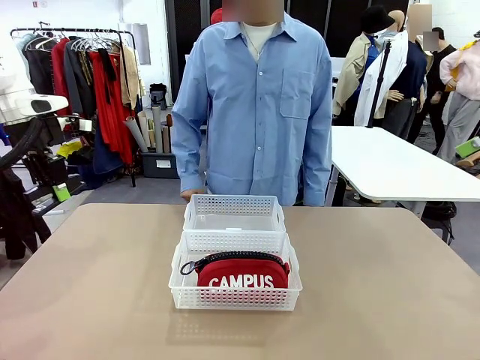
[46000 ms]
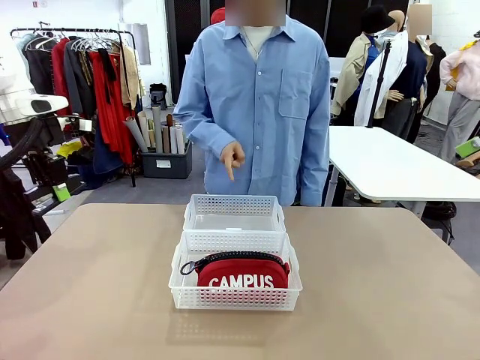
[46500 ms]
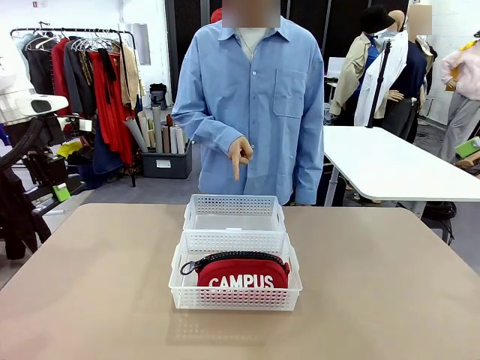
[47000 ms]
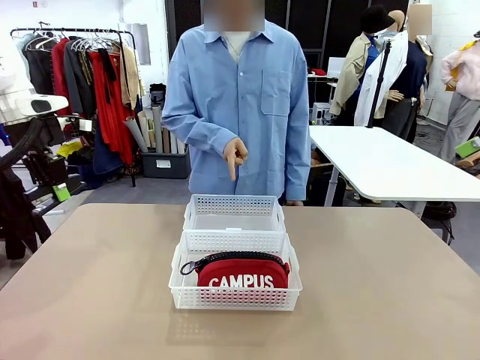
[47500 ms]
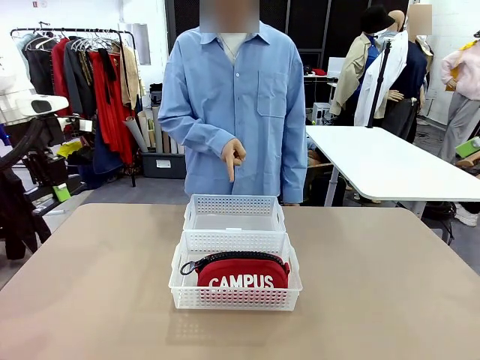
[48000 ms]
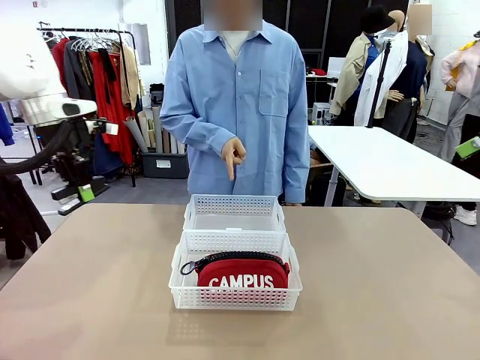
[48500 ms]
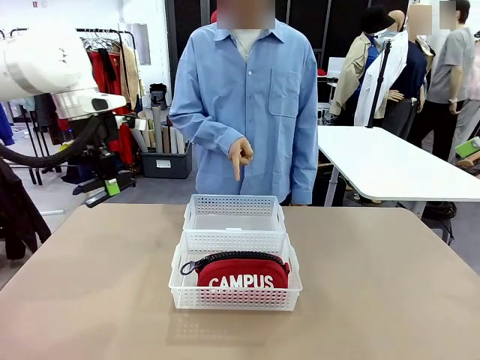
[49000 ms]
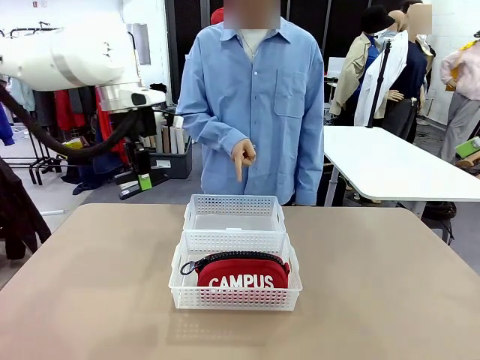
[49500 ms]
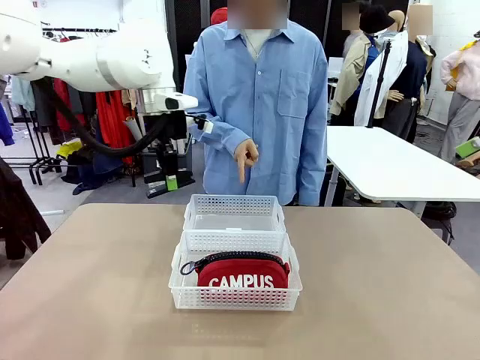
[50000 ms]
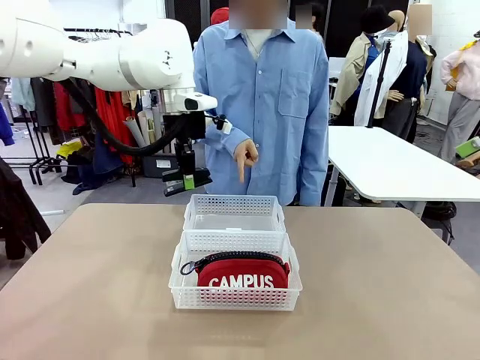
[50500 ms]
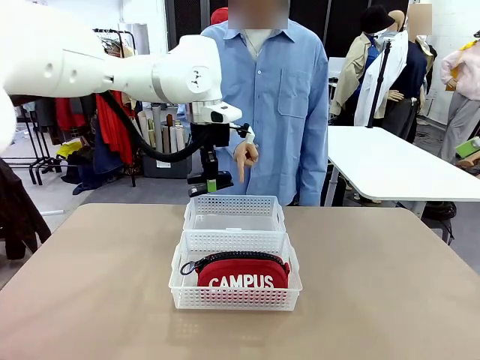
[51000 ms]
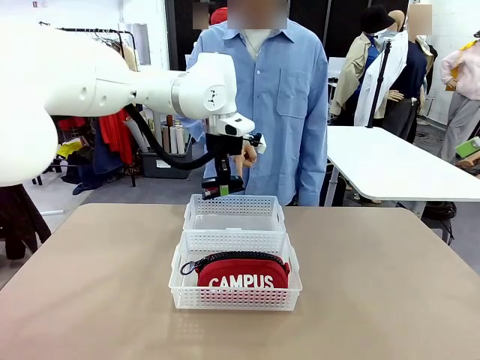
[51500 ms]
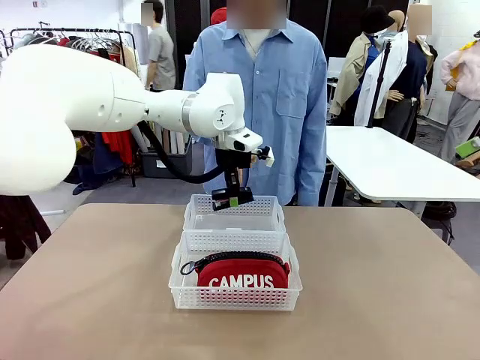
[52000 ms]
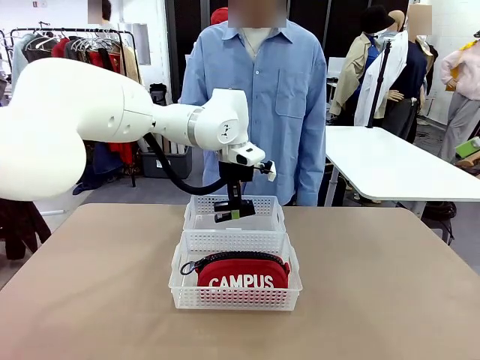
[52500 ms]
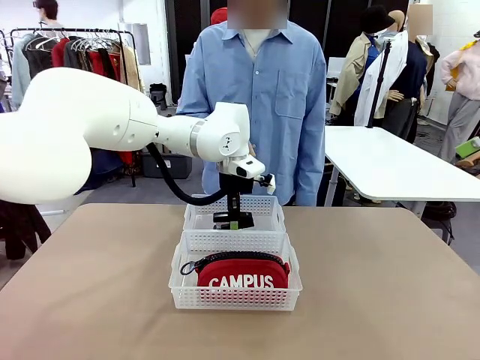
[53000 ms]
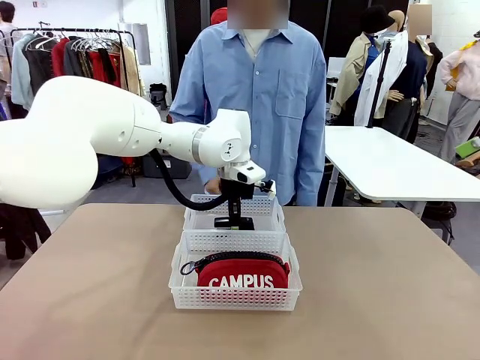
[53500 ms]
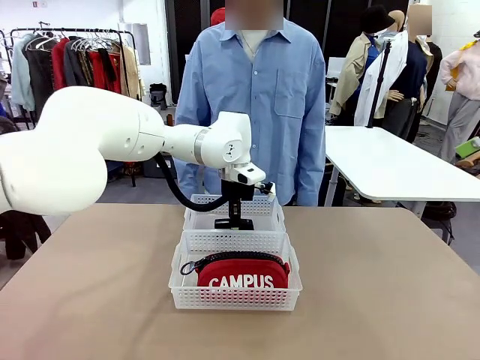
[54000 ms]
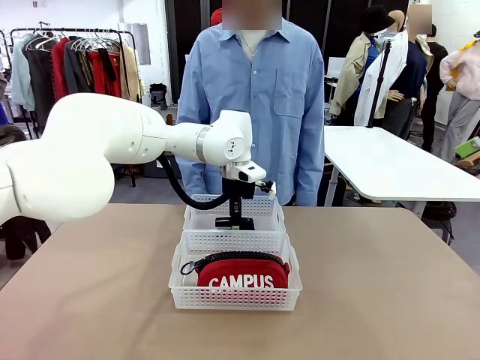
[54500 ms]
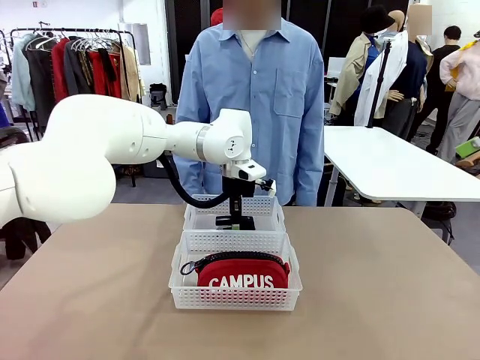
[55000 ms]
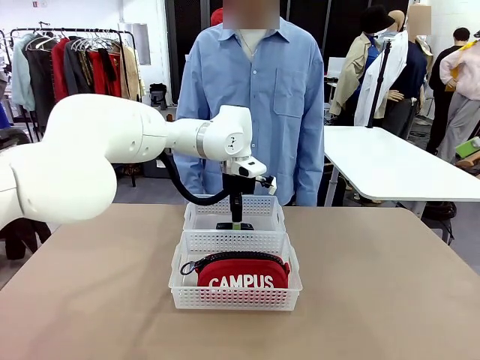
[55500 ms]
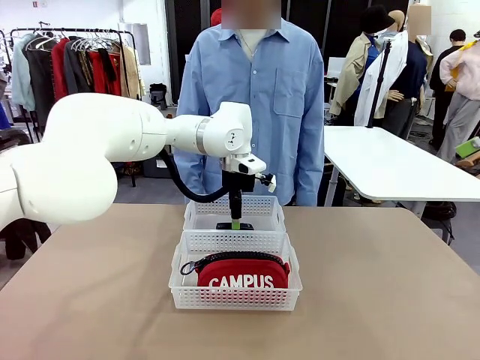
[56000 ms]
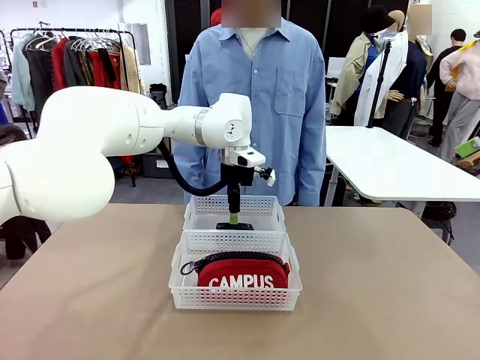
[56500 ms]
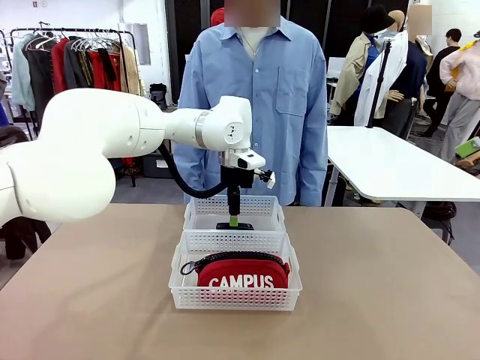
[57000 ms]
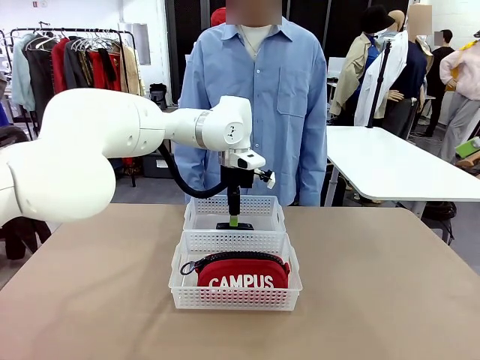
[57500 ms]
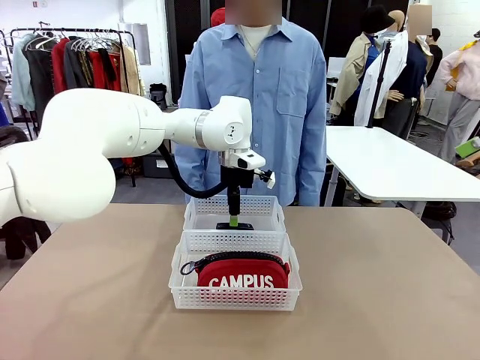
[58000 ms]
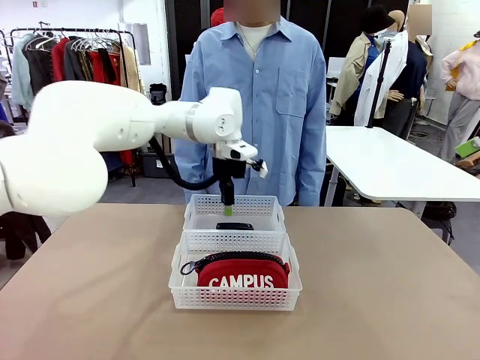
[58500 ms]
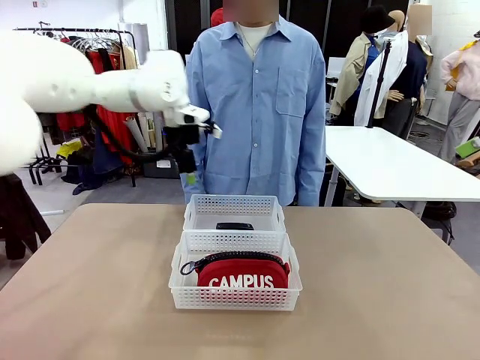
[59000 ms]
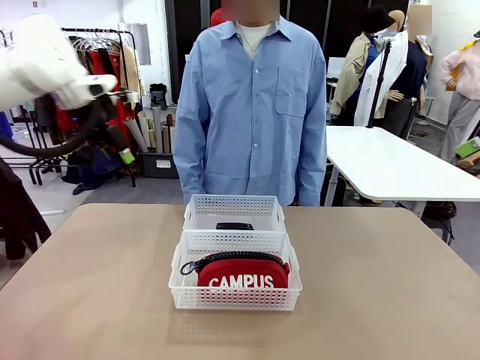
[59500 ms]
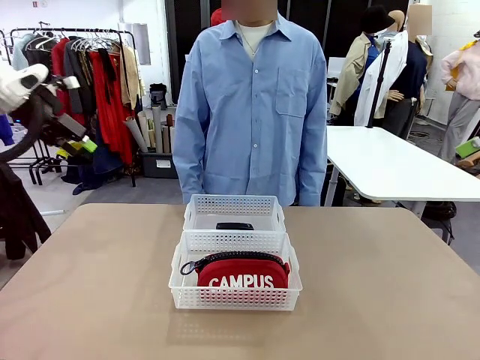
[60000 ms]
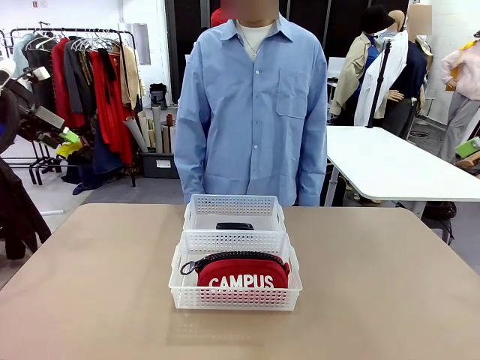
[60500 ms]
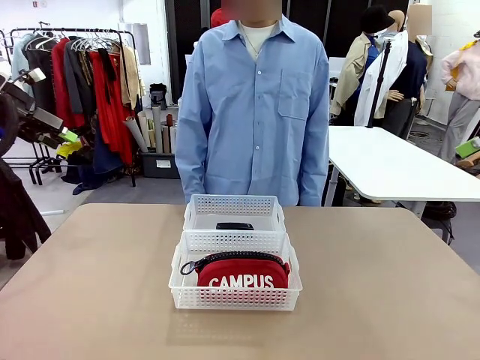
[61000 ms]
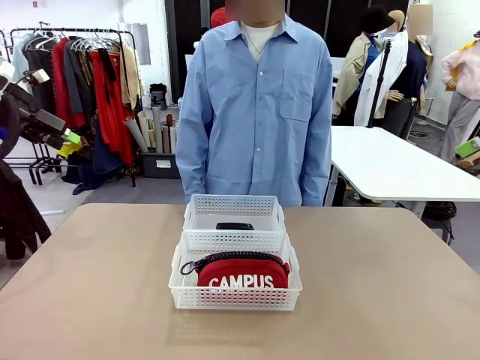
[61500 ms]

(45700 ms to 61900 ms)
Task: Distribute items into two baskets.
Robot: Place the picked Stapler into the Organizing basket as instructed by the person.
Person: Points to the basket that does not contain the pencil case and instructs the robot to move the stapler there.

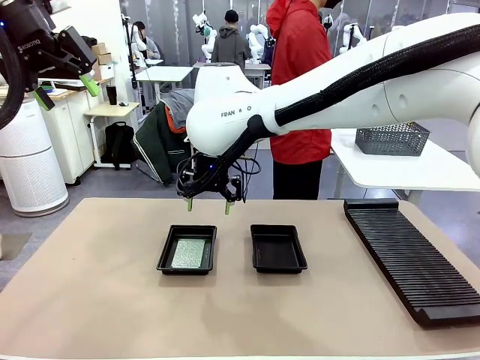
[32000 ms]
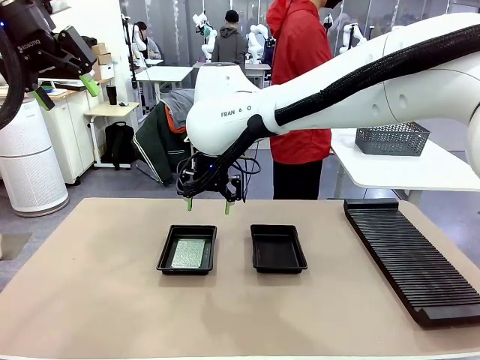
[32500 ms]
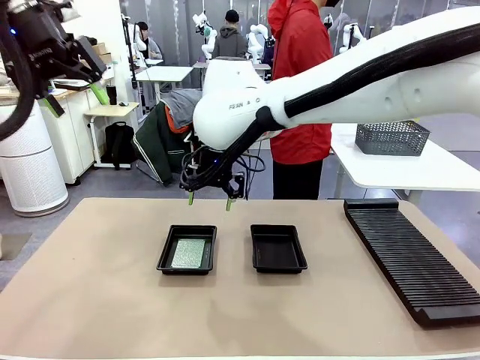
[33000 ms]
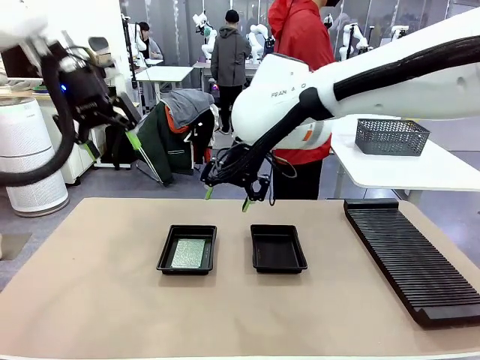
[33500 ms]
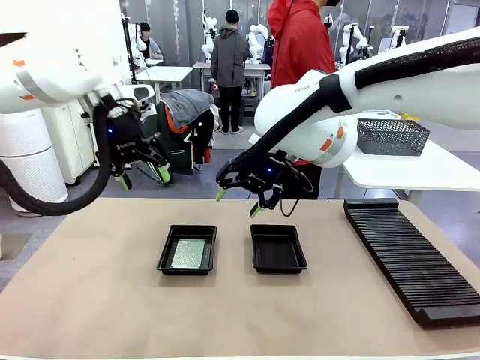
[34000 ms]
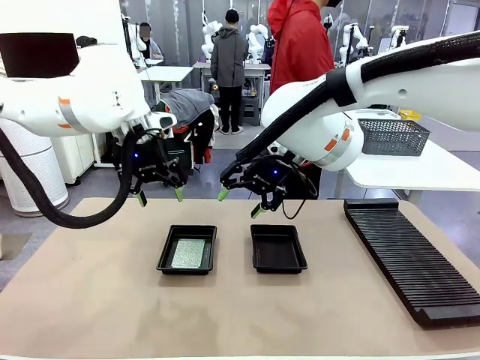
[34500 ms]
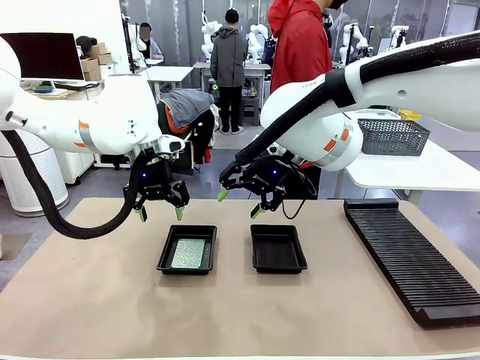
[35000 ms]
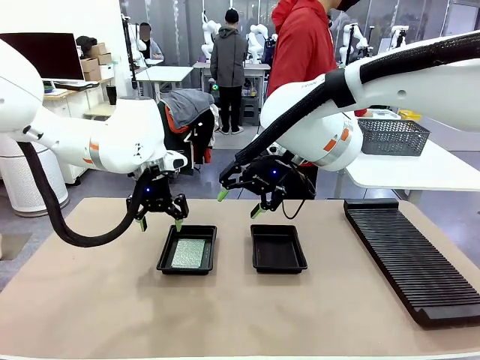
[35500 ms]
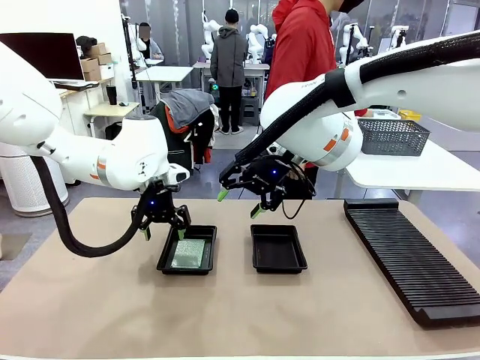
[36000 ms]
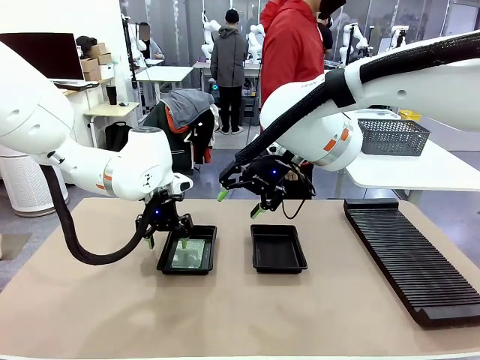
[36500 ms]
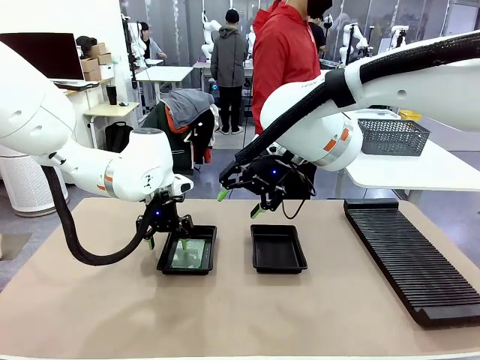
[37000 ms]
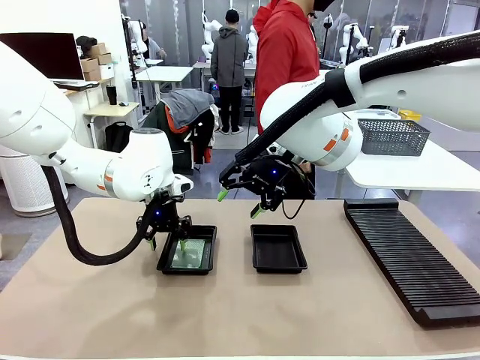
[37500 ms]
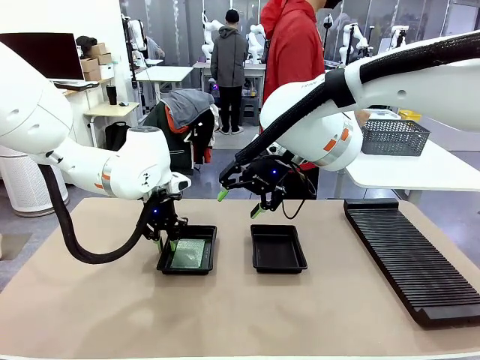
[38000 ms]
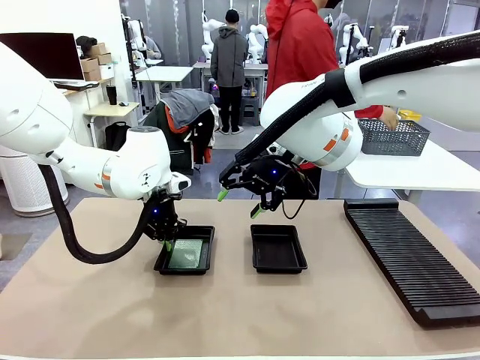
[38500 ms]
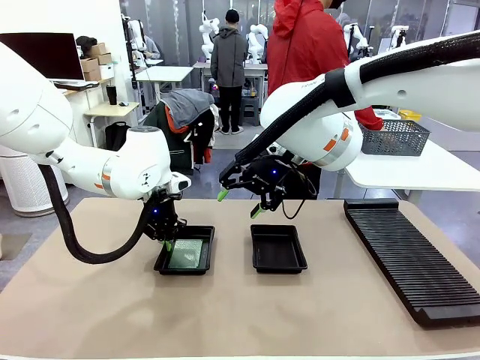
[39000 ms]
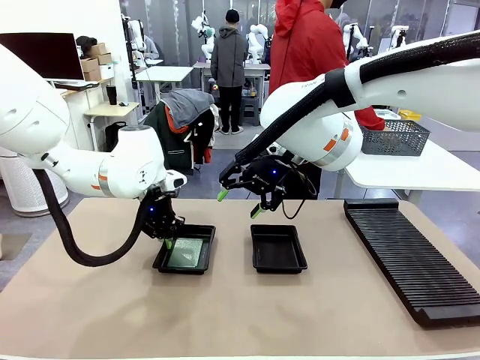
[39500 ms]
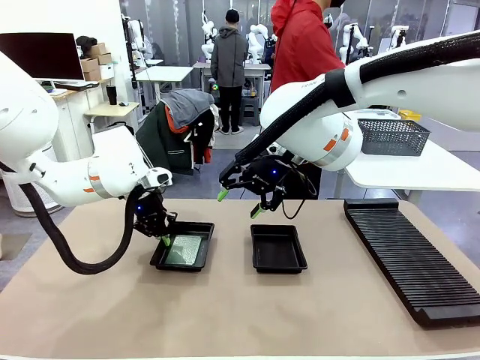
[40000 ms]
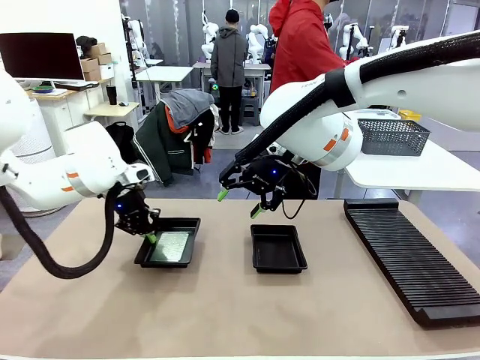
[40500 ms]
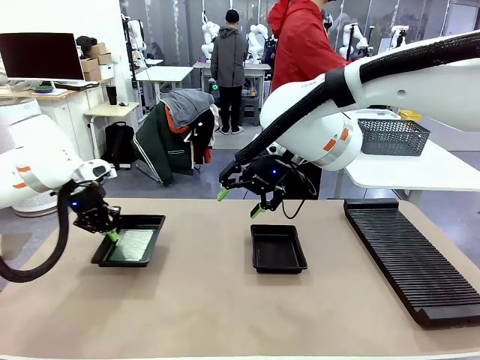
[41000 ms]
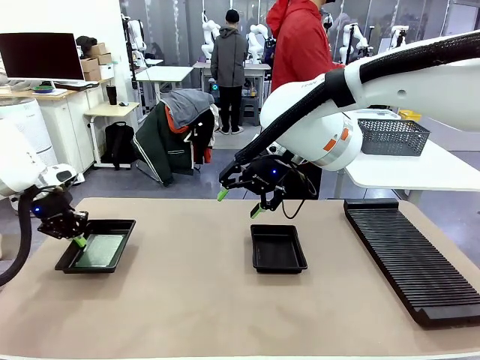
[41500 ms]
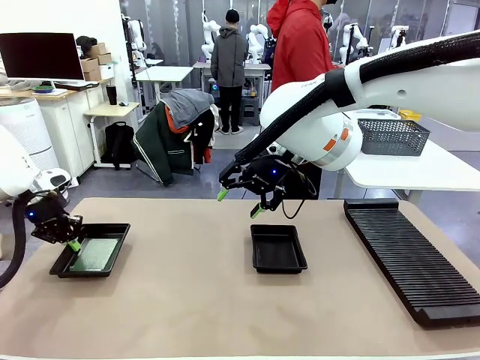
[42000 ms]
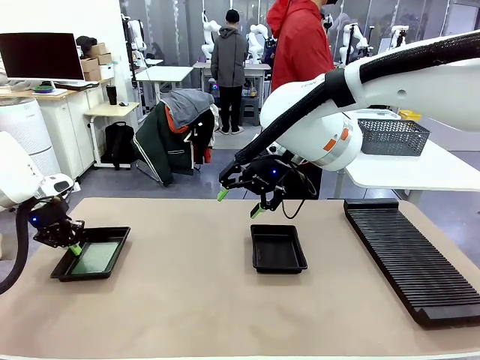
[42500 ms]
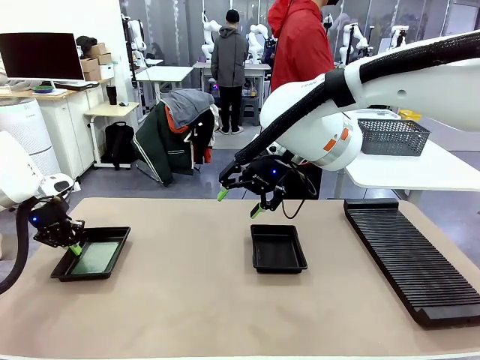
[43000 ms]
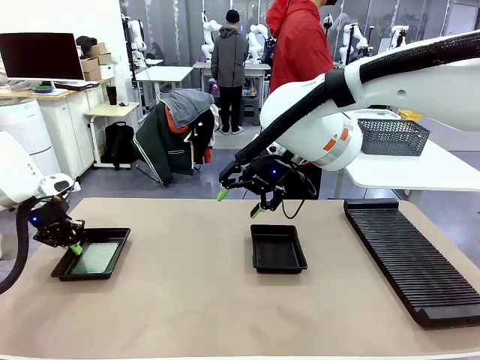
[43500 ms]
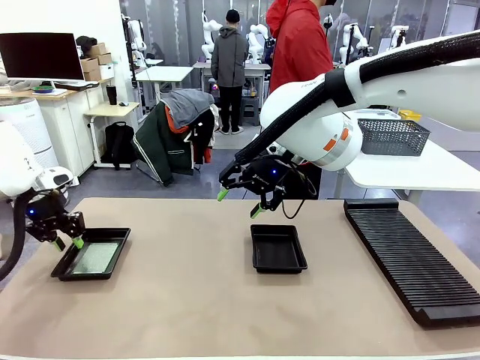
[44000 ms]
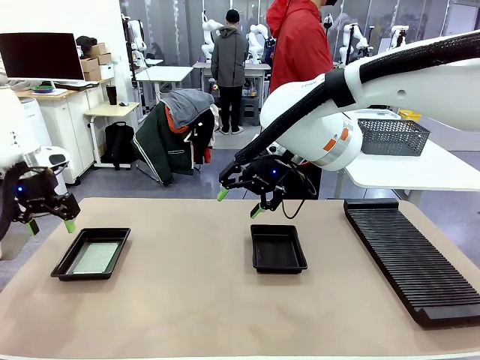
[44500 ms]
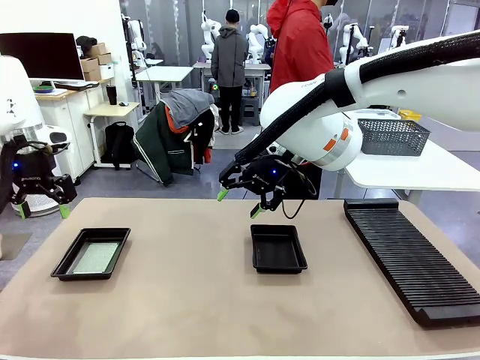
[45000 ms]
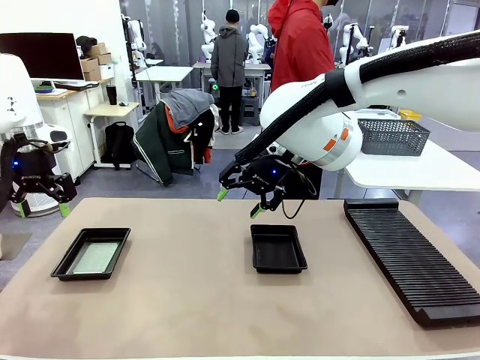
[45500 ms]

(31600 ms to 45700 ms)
Task: Inspect and transfer BCBs to ESD trays.
Robot: Pick up the ESD tray and place it on the left side of the table.
